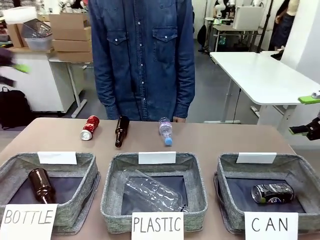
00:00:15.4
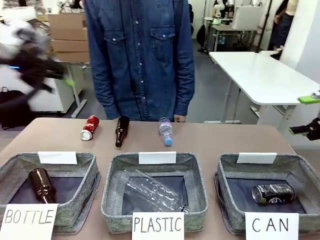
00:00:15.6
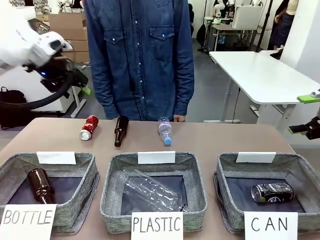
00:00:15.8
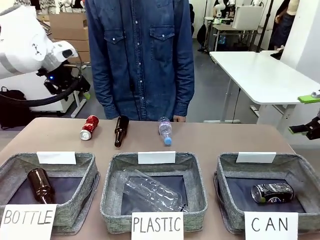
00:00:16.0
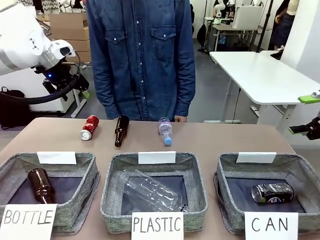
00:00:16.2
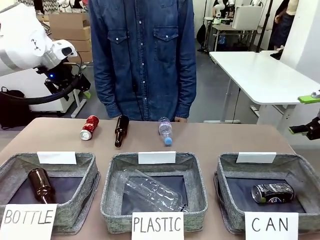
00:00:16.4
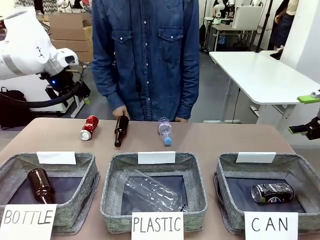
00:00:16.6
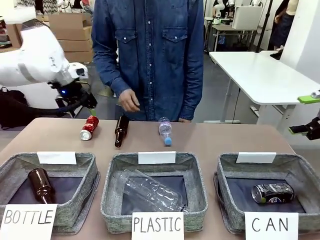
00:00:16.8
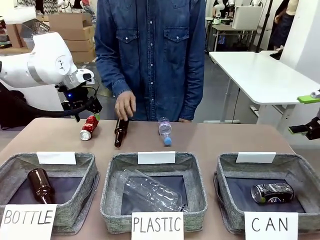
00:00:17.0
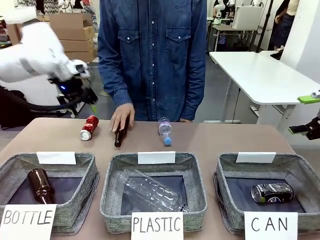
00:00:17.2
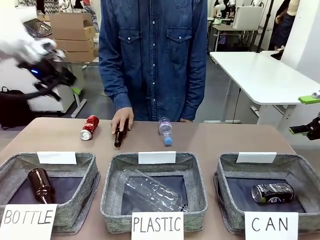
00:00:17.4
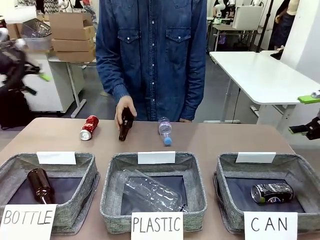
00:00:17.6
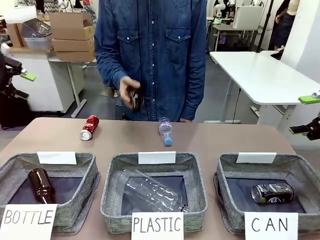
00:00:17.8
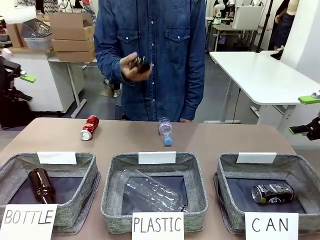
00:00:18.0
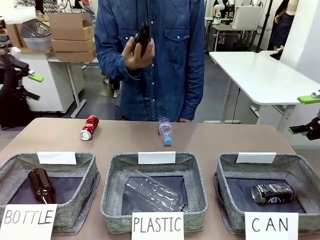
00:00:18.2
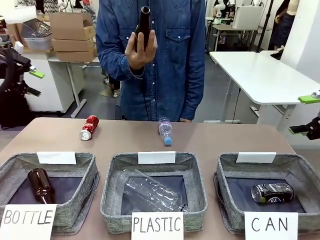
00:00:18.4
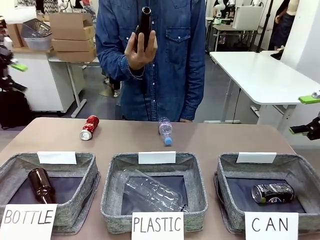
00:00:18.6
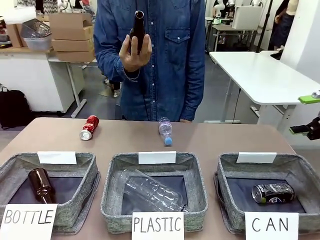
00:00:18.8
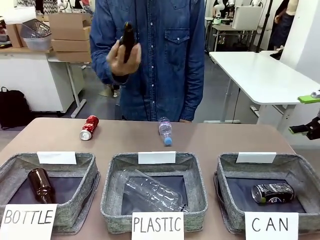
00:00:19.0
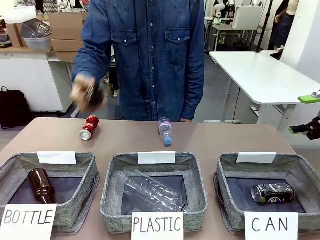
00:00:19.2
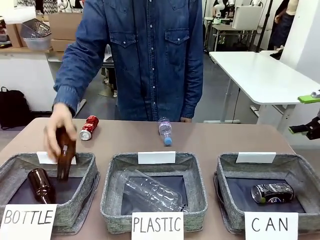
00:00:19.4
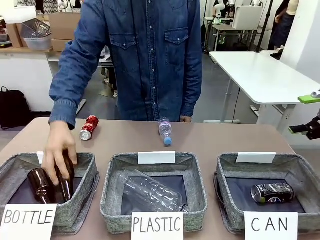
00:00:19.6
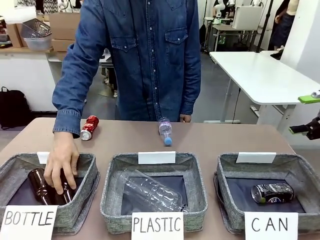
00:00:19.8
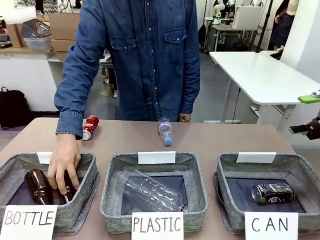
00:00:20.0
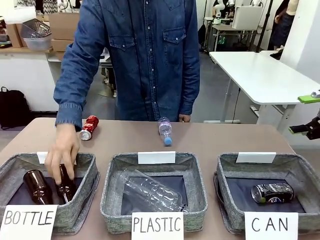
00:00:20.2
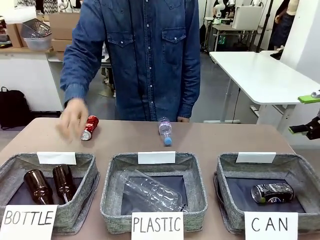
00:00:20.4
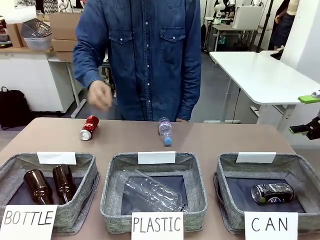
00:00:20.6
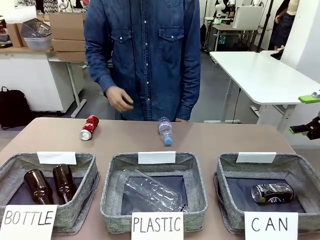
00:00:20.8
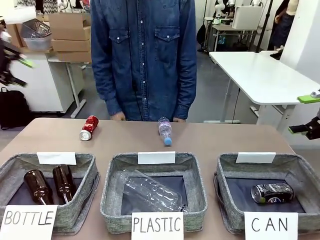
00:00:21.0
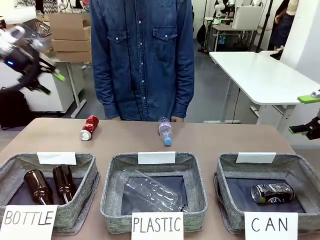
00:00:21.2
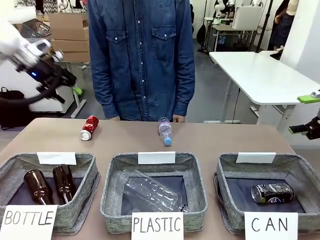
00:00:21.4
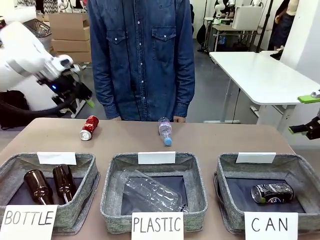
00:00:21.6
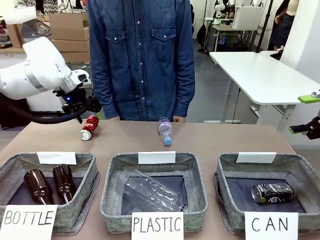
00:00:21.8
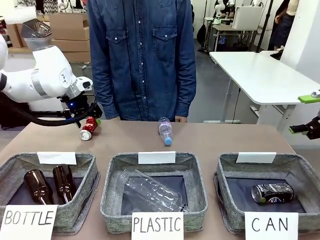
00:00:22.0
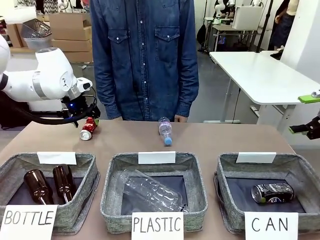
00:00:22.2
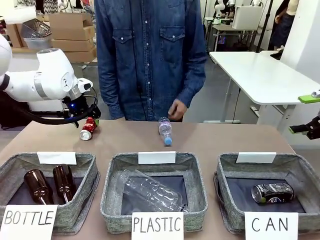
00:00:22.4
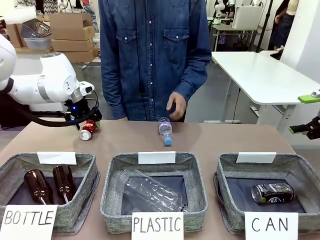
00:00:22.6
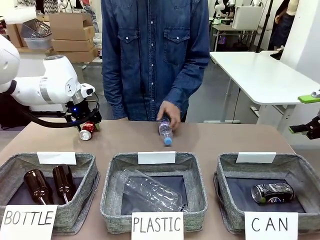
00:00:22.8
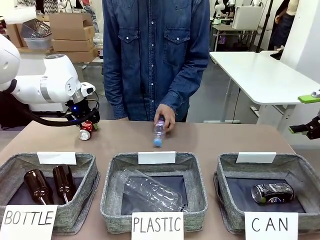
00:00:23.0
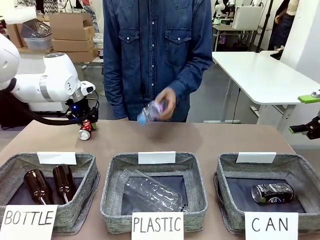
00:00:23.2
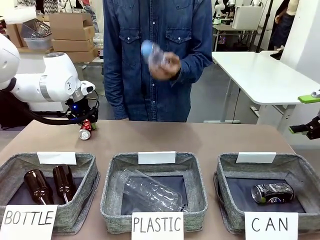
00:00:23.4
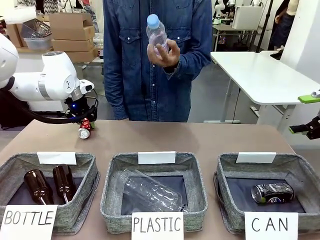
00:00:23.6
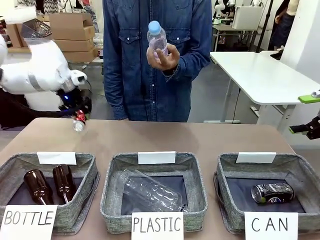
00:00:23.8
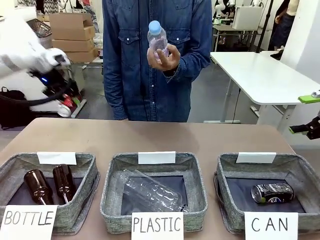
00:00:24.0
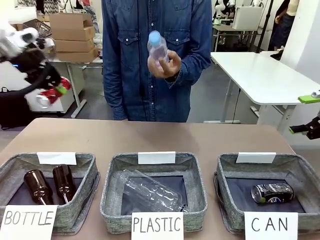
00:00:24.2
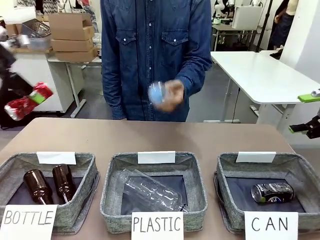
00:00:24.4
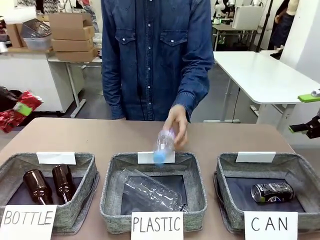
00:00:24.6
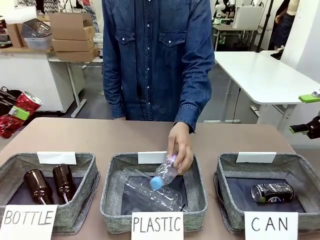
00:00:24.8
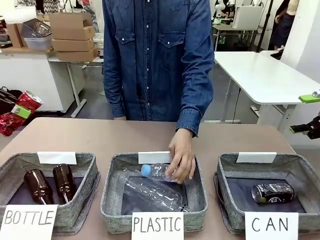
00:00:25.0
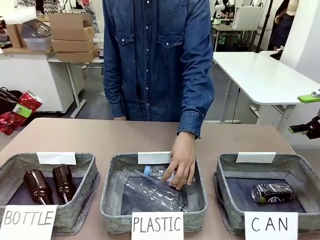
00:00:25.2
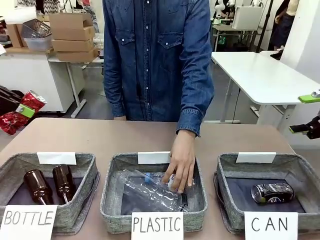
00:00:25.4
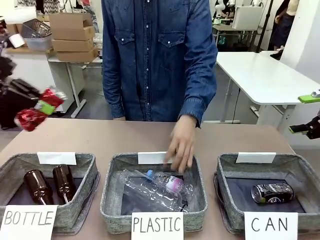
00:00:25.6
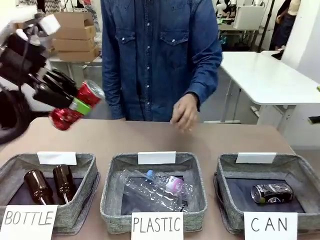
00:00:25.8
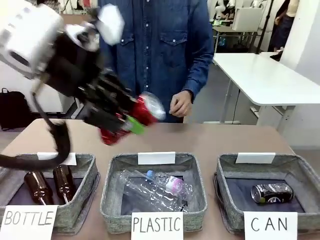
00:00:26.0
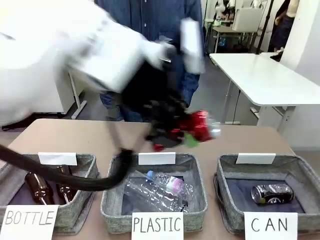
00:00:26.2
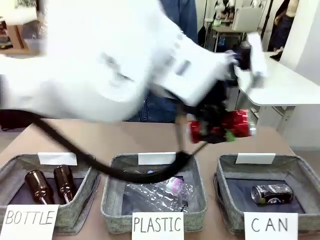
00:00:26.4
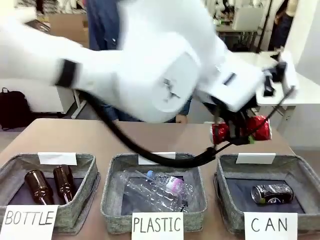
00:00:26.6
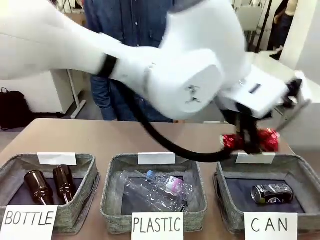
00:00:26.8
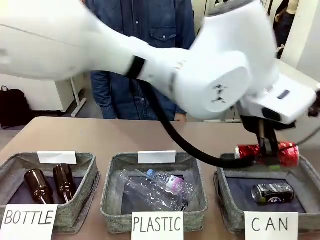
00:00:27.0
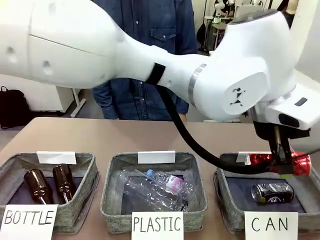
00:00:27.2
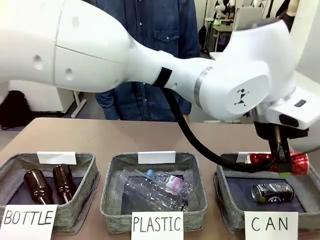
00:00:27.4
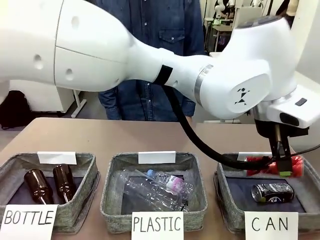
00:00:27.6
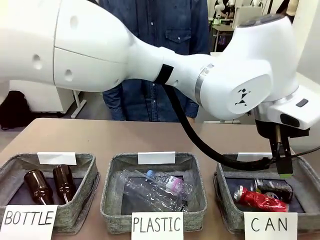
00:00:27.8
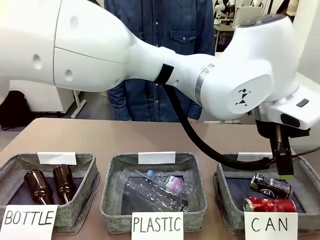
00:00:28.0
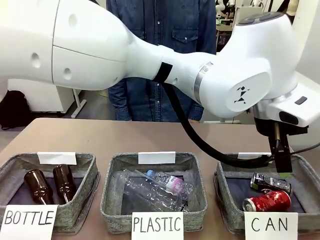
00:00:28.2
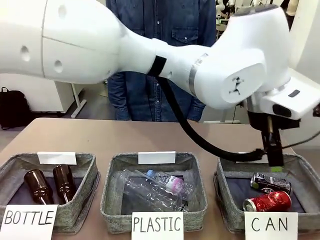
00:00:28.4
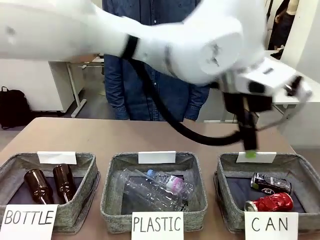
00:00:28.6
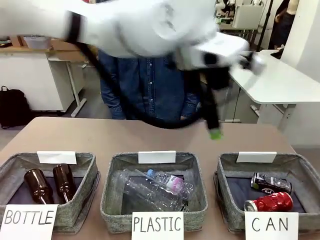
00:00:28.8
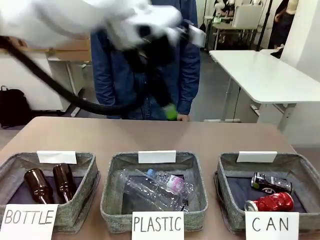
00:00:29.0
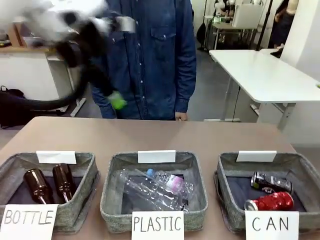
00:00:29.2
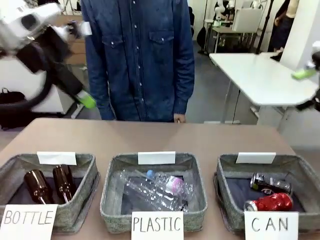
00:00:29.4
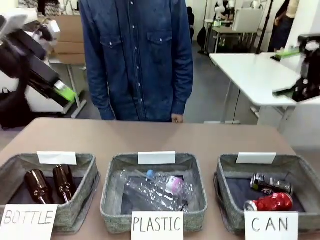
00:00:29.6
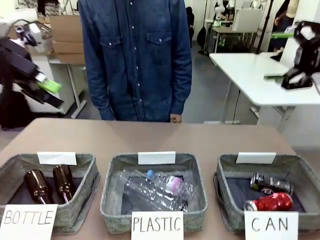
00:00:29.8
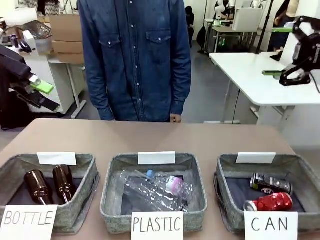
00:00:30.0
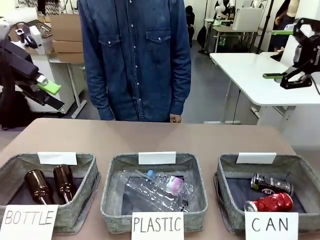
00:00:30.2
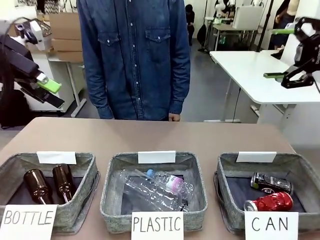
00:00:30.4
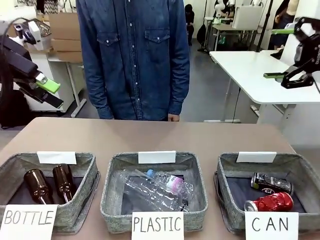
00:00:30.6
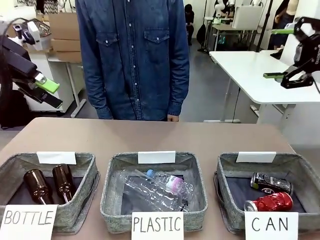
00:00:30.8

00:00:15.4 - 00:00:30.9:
Task: Sort the can waste into the basket.
Robot: Pick up the can waste from the table and place it in the right Fabric basket.
Person: The human picks up one piece of trash that is not a can and places the trash into the appropriate organizing basket.
